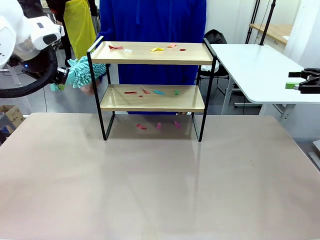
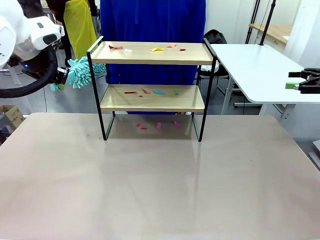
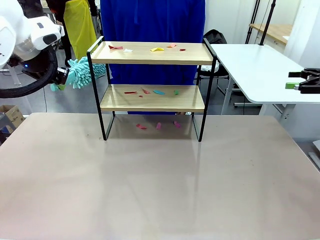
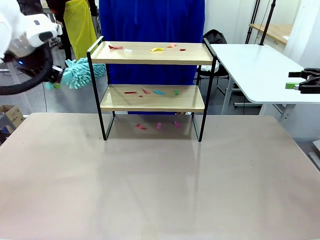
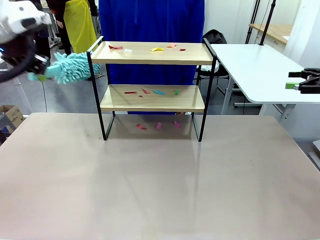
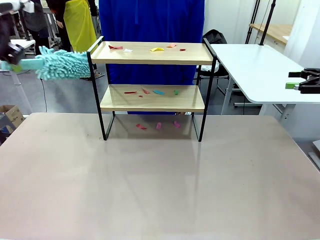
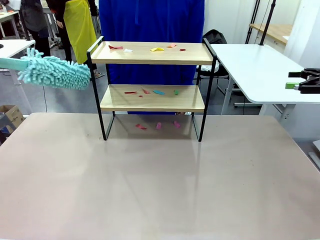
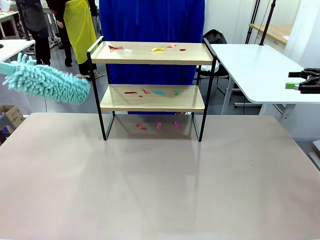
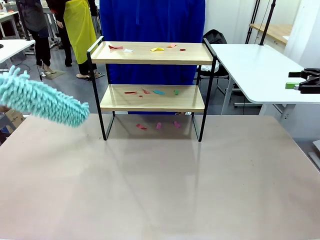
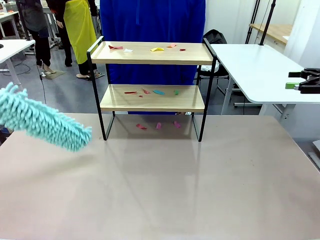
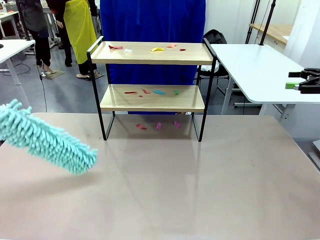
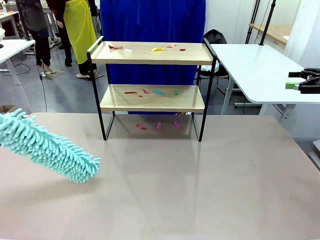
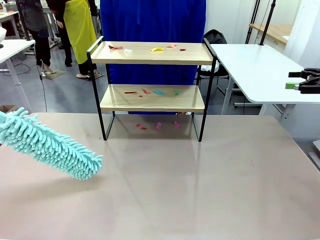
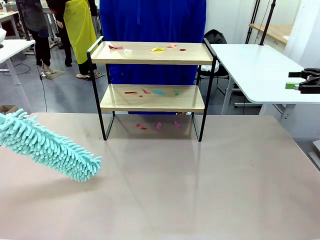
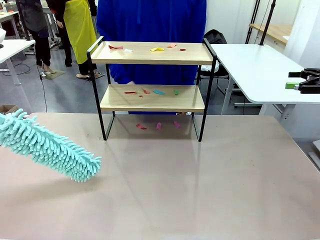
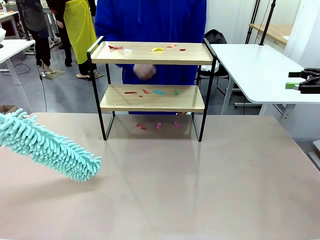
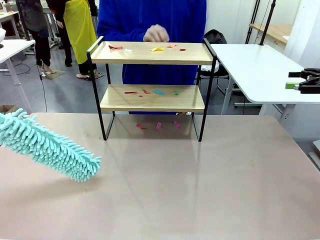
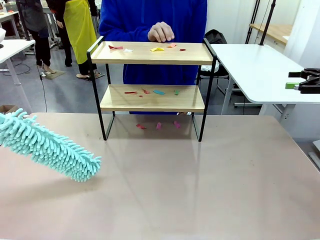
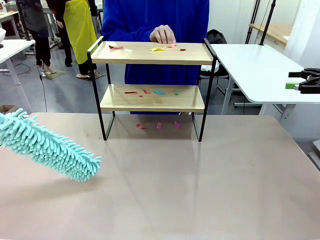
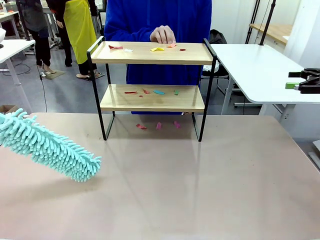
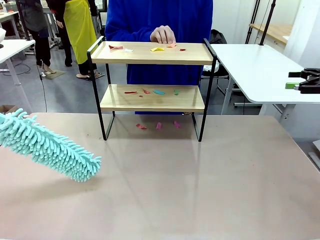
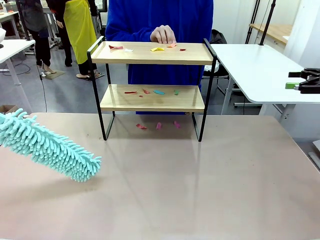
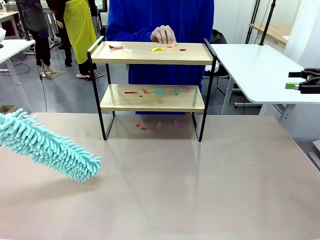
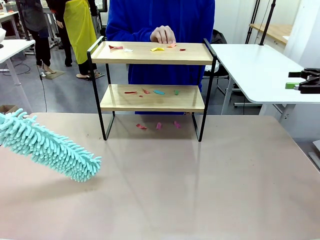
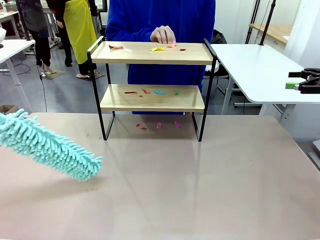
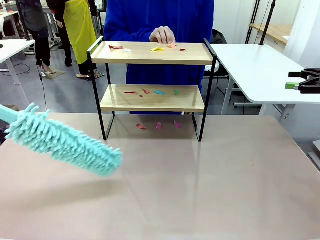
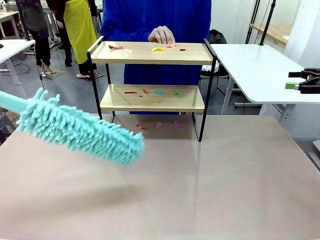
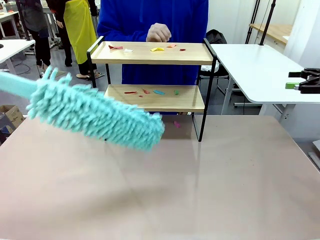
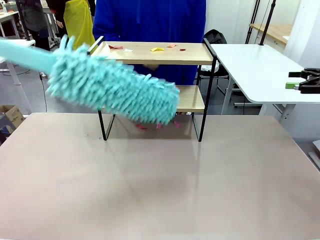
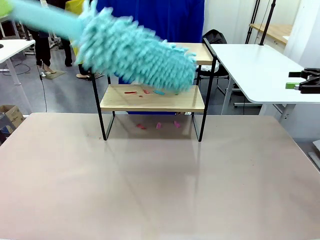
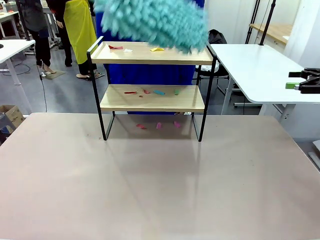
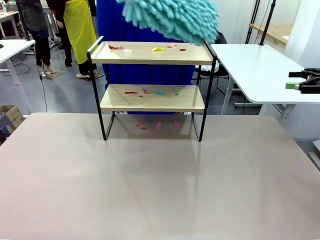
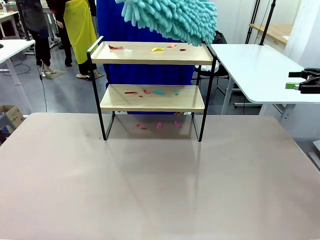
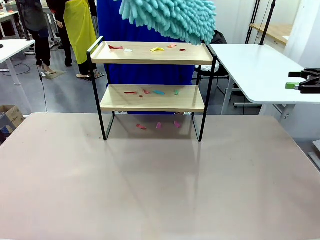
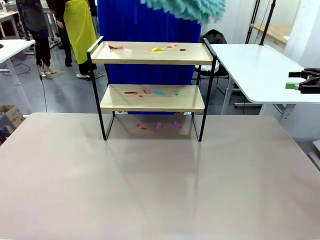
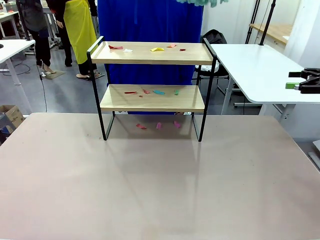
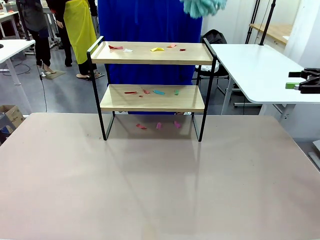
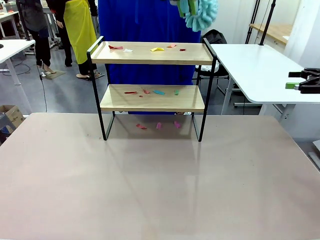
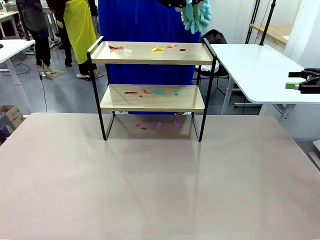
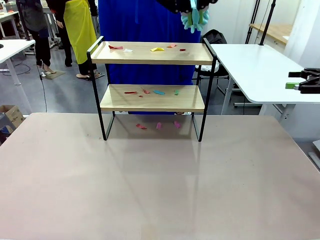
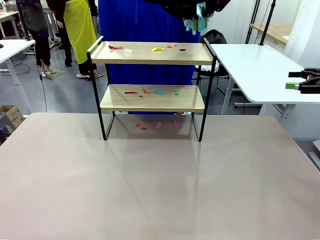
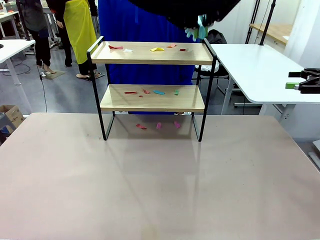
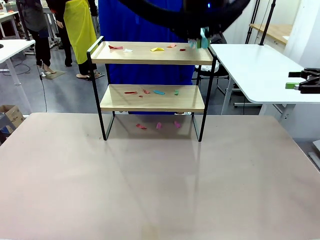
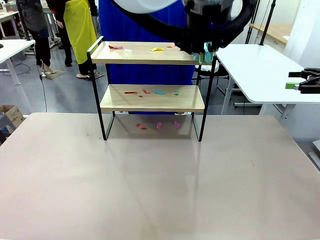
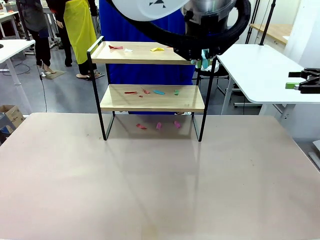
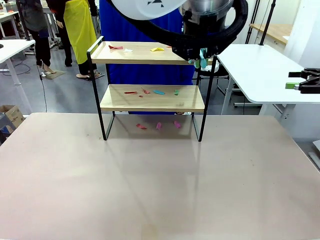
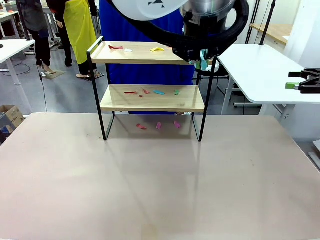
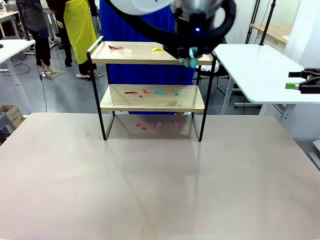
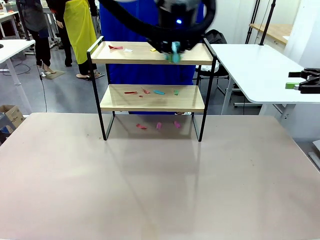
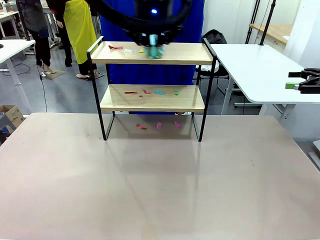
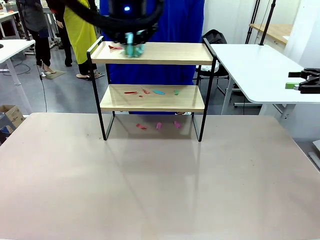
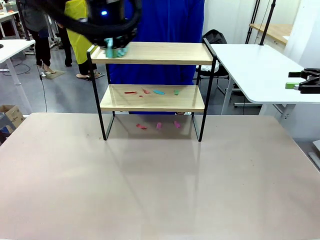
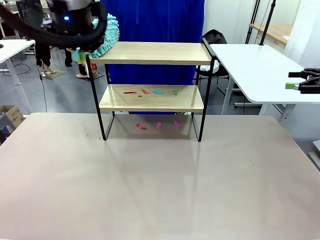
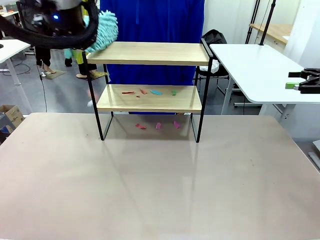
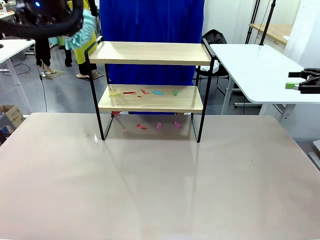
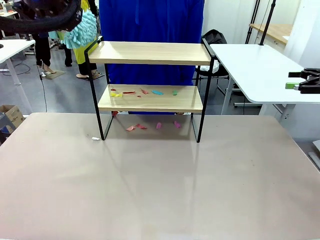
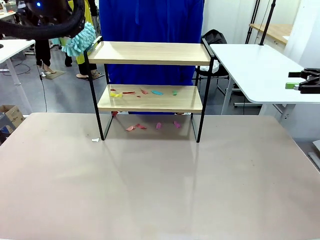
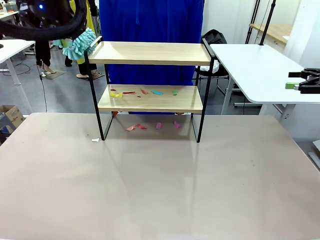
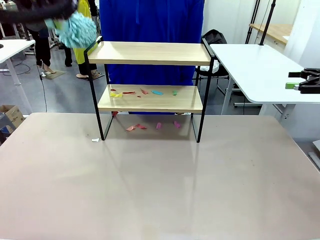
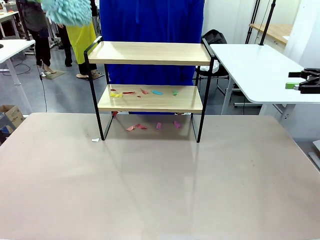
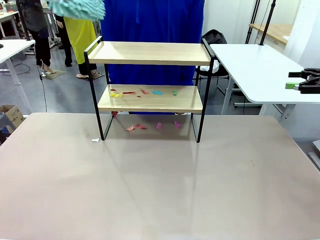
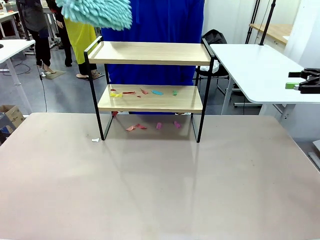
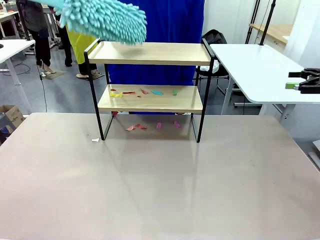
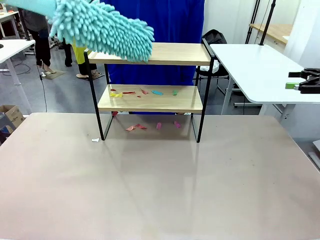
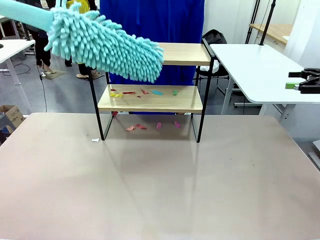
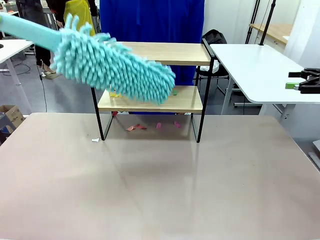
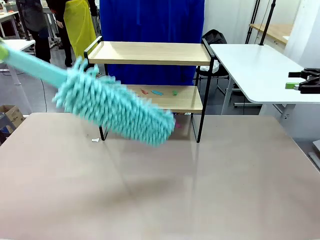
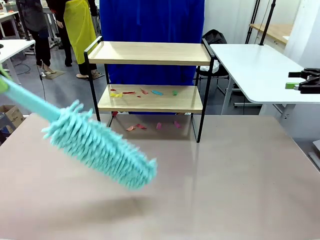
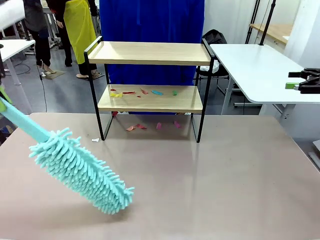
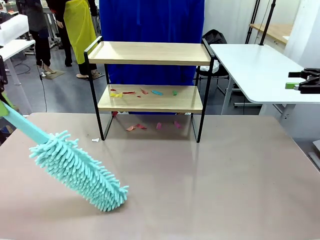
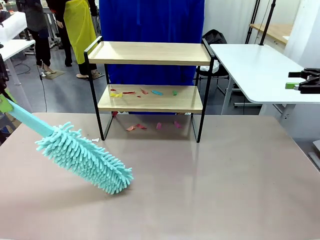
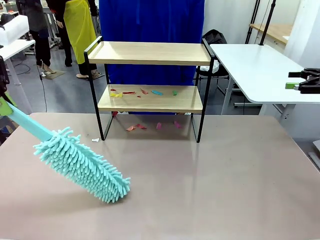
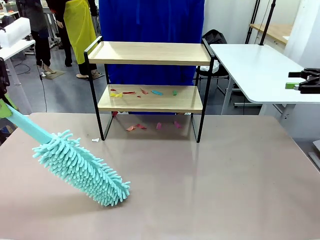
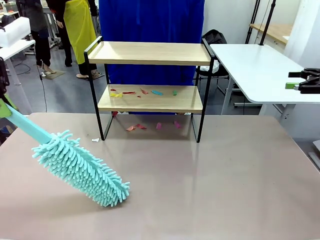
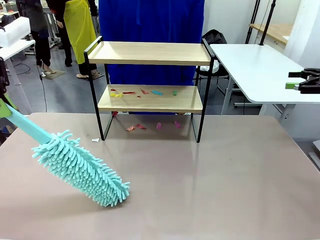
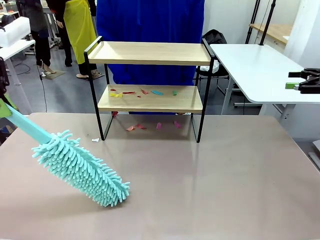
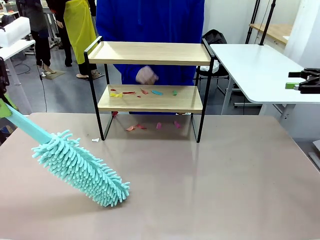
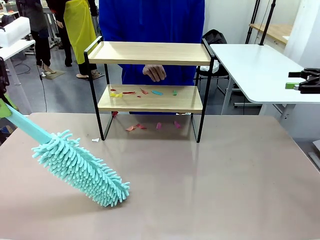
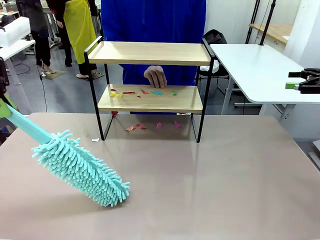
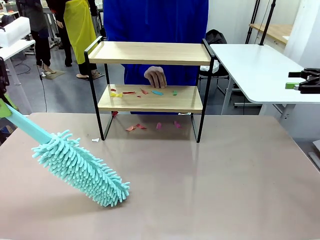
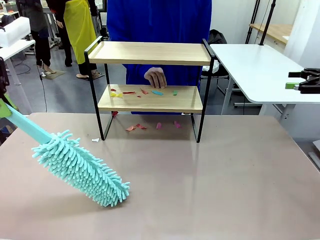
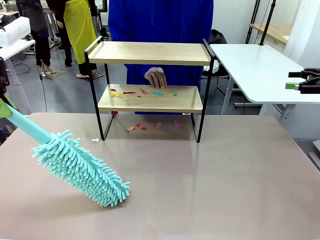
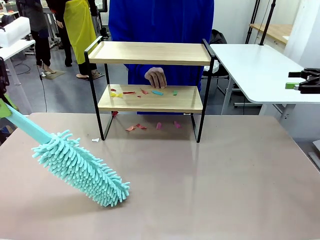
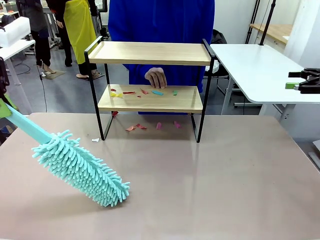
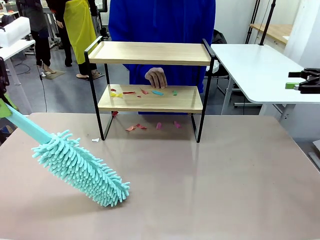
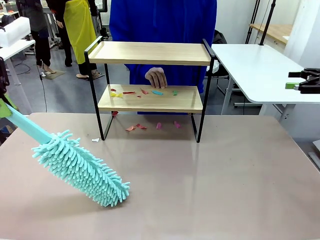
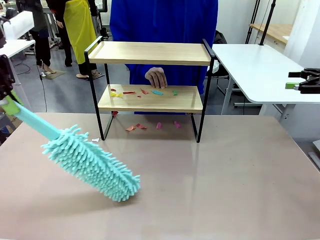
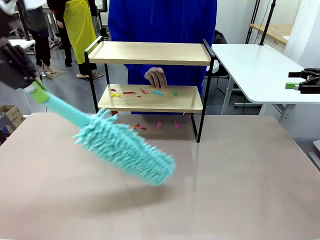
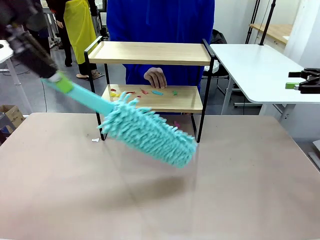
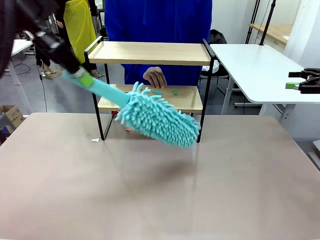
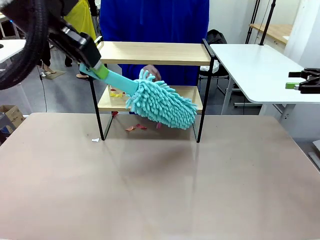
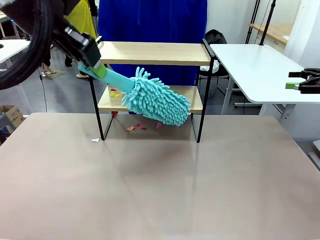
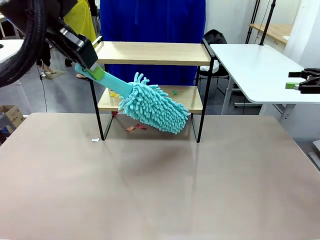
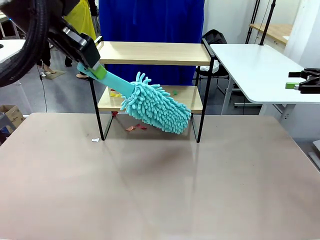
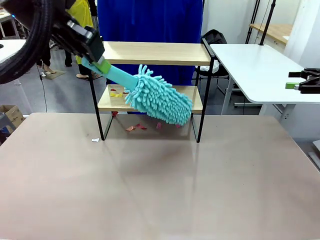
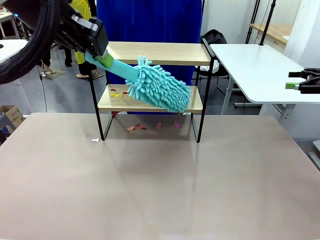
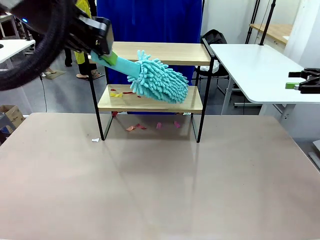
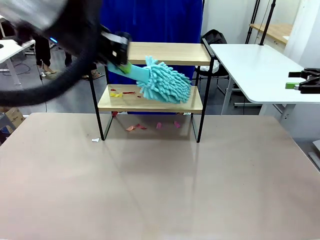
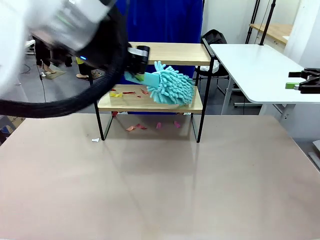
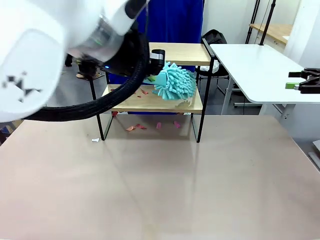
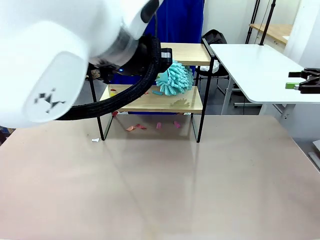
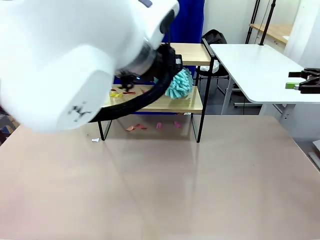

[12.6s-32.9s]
Task: Clean the shelf.
Robot: Clean the specific section of the Shelf indicated by the human with the Duster.
Person: Point a random section of the Shelf.
